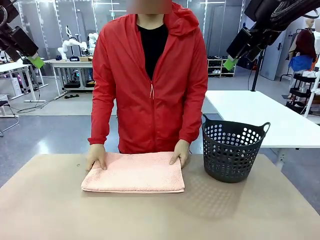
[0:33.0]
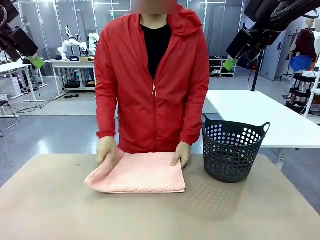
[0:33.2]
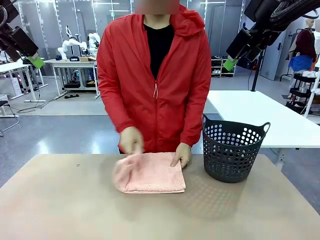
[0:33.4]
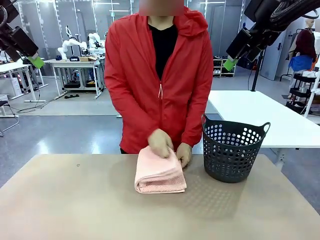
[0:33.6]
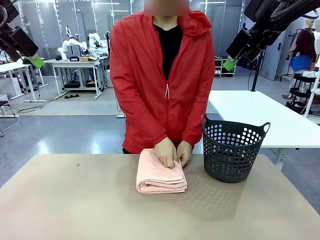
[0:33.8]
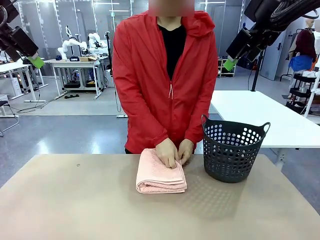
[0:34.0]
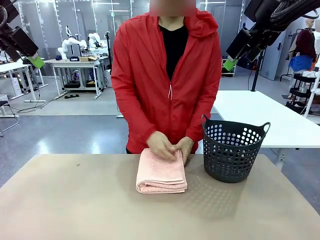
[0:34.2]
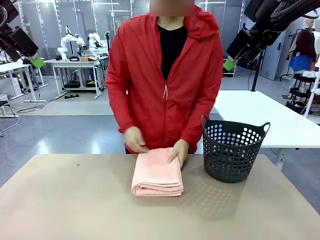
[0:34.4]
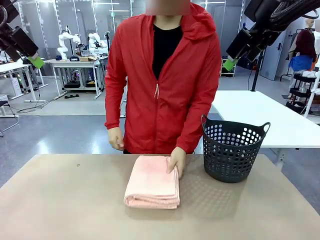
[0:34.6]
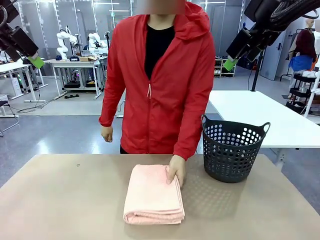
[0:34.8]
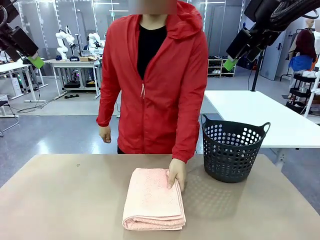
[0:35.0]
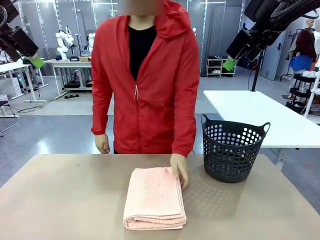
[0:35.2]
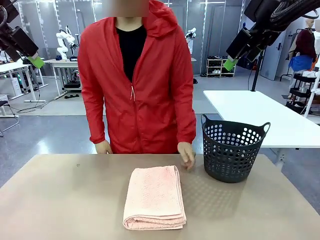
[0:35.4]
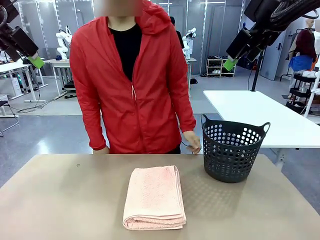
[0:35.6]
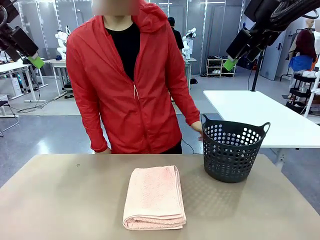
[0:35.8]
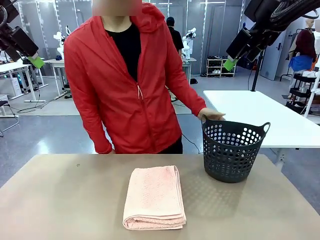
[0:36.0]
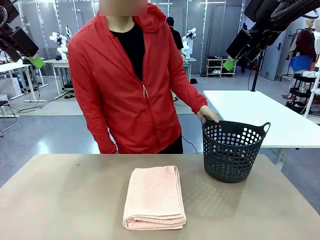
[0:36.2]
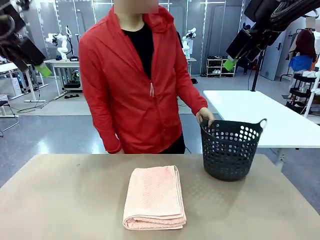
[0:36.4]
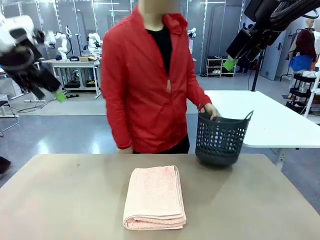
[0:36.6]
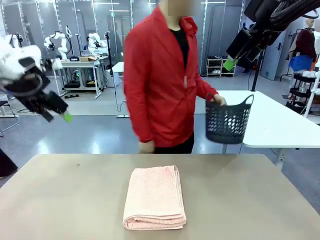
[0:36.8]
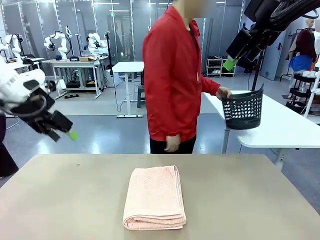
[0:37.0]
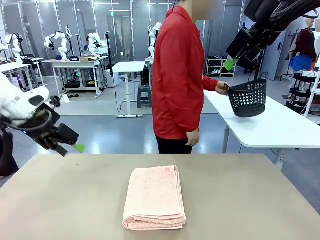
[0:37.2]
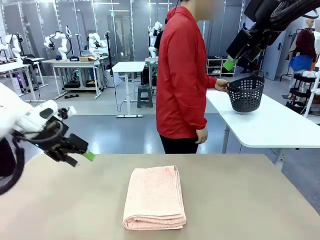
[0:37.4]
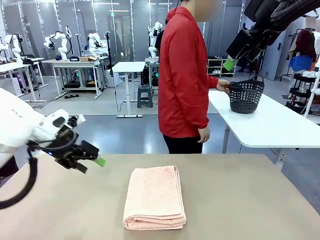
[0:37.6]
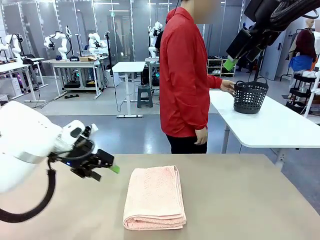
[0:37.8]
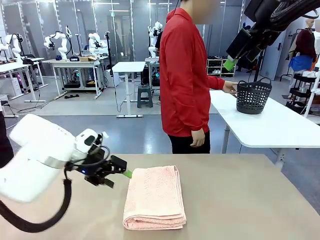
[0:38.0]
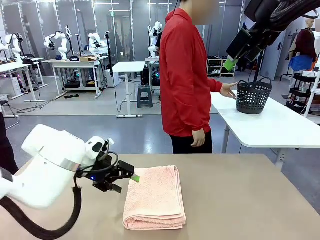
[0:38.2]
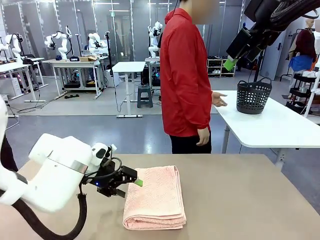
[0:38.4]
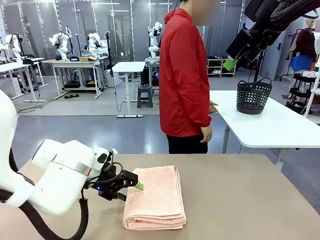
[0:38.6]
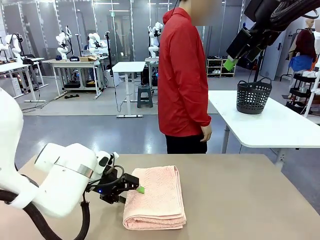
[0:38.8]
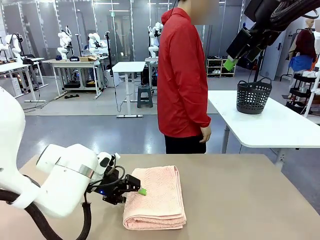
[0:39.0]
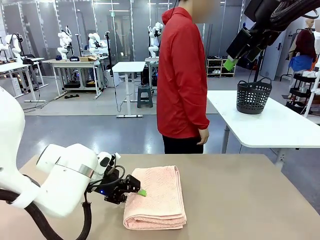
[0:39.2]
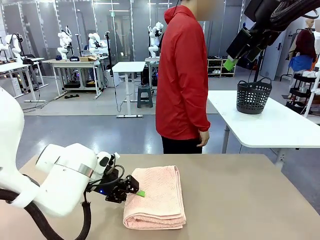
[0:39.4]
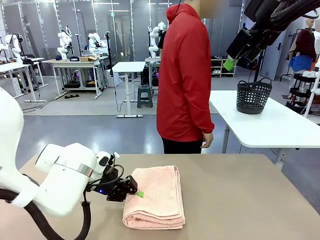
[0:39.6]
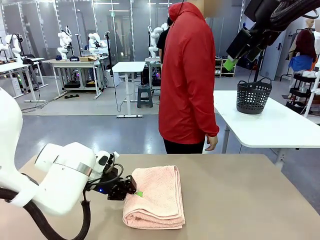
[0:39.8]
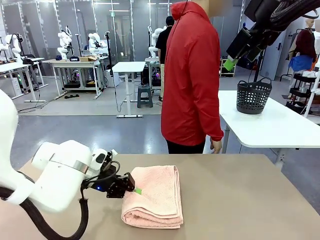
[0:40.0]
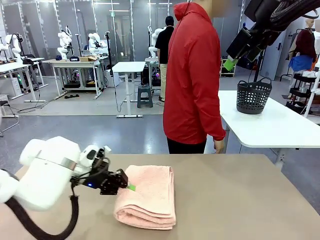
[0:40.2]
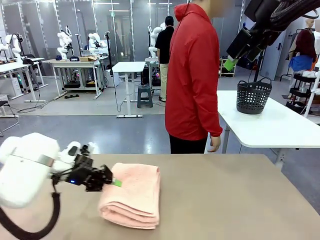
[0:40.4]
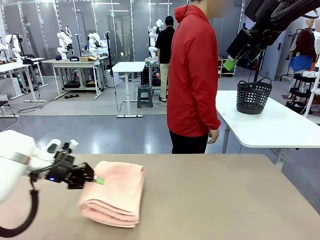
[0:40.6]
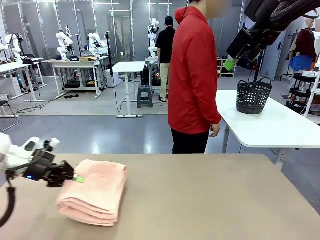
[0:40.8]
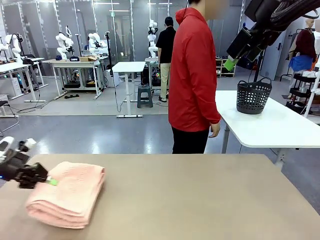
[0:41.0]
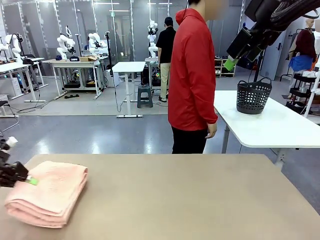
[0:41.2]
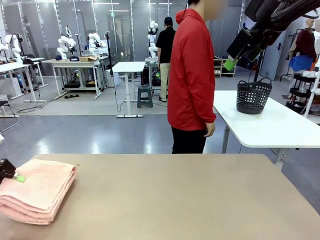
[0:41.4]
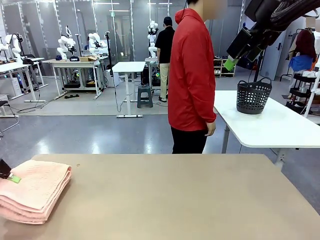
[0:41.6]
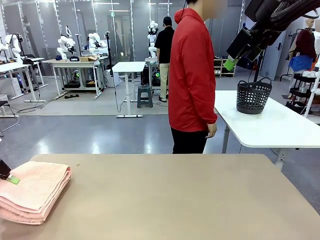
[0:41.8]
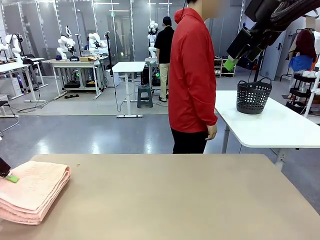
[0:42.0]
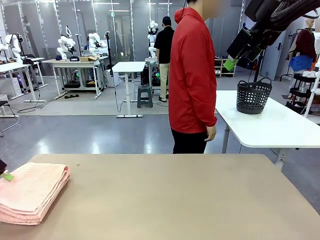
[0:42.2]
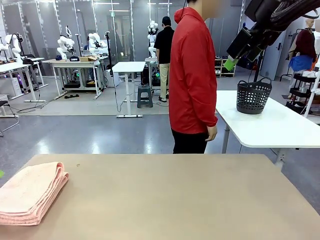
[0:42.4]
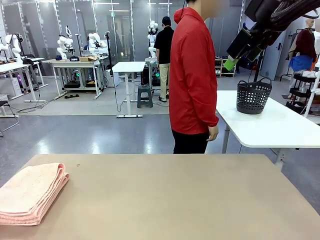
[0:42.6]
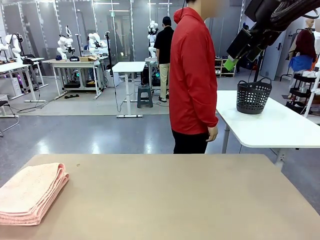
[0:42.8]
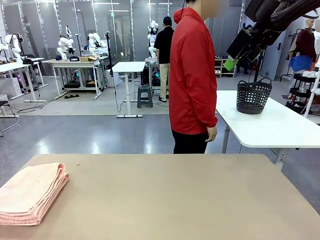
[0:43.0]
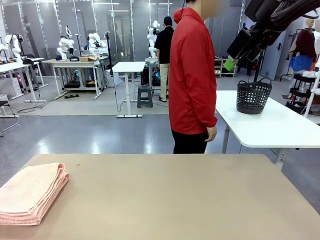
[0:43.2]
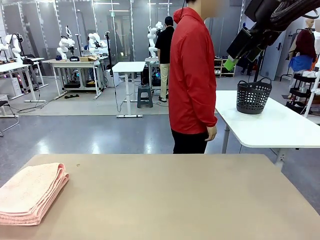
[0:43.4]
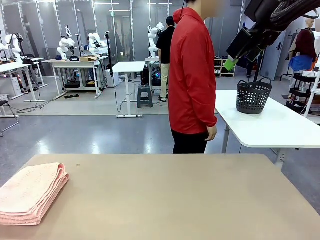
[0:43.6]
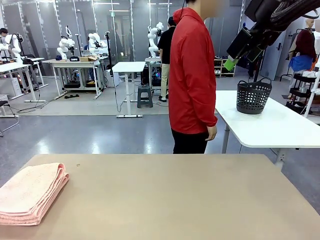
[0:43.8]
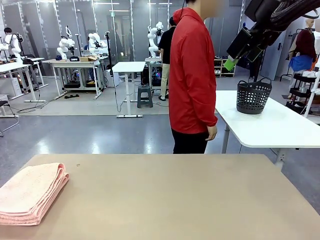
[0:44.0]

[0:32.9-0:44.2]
Task: Fold the towel.
Robot: Pick up the 100 cm Hotel Towel and place it on the left side of the table.
Person: Pick up the laundry basket and place it at the center of the human table.

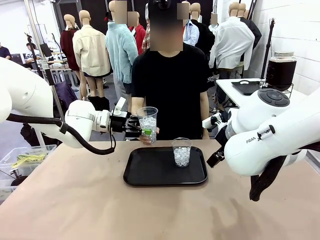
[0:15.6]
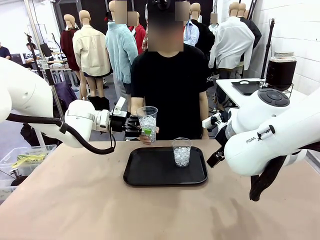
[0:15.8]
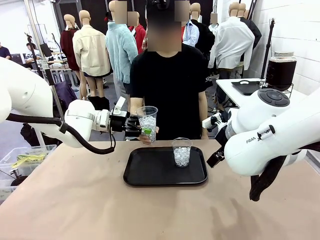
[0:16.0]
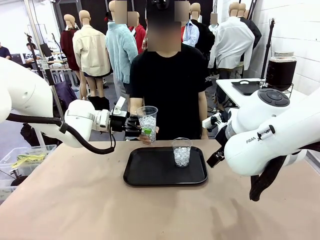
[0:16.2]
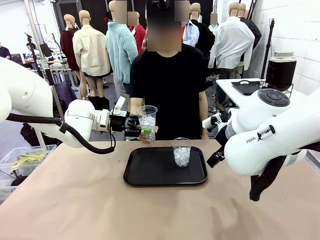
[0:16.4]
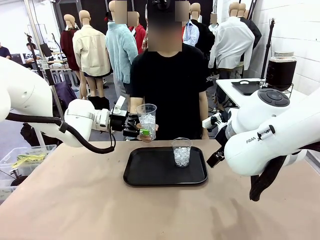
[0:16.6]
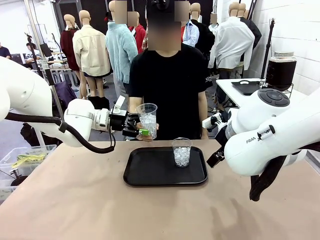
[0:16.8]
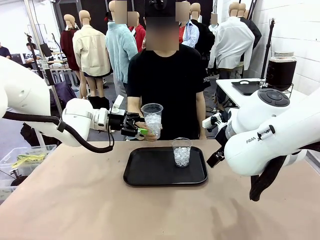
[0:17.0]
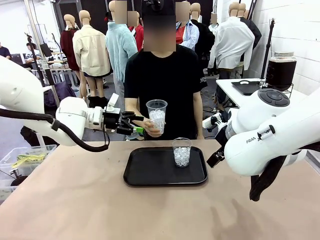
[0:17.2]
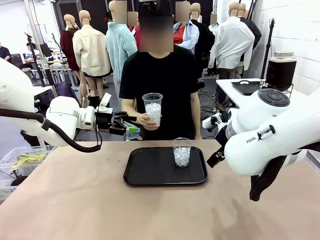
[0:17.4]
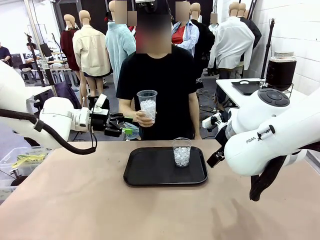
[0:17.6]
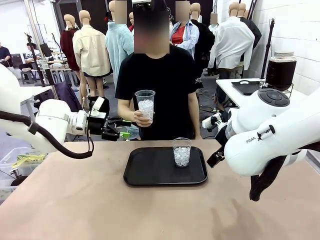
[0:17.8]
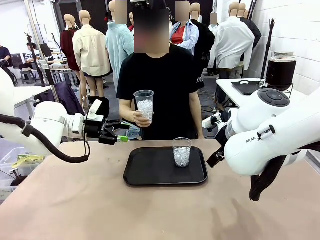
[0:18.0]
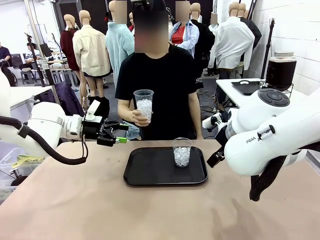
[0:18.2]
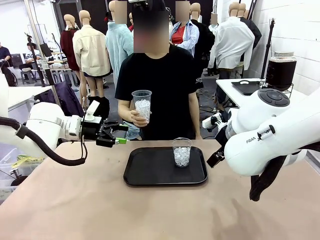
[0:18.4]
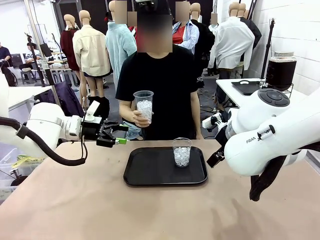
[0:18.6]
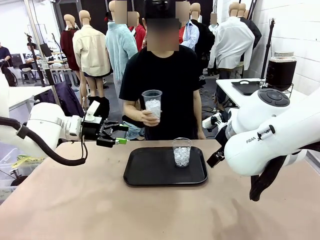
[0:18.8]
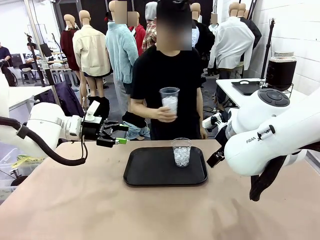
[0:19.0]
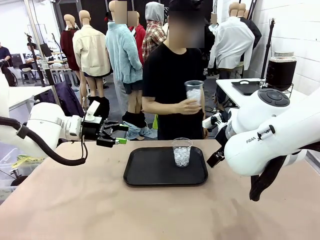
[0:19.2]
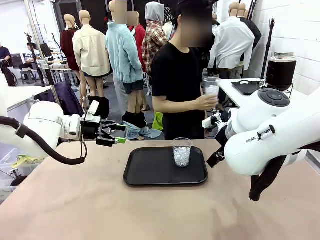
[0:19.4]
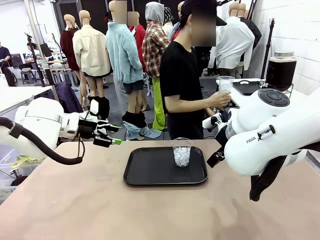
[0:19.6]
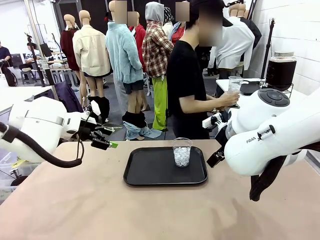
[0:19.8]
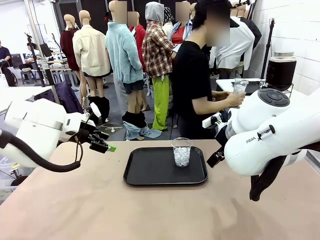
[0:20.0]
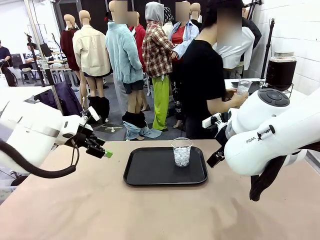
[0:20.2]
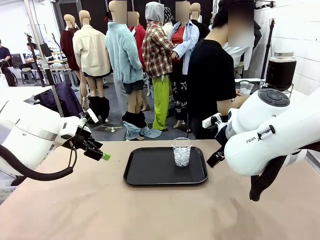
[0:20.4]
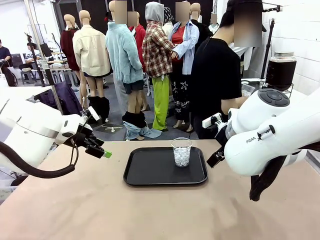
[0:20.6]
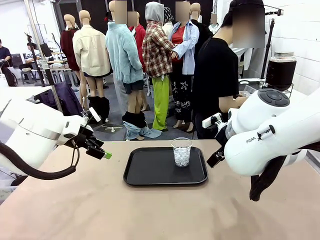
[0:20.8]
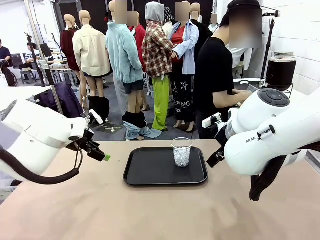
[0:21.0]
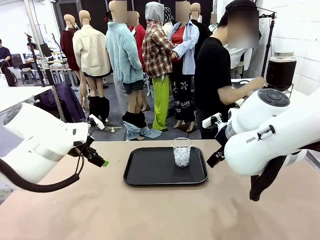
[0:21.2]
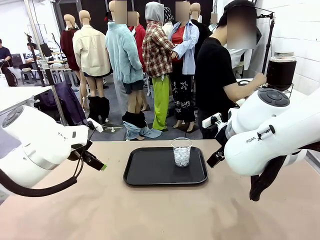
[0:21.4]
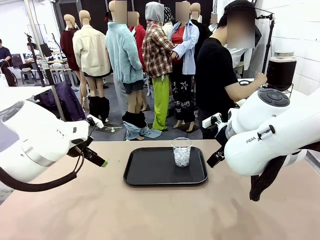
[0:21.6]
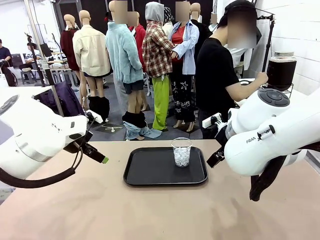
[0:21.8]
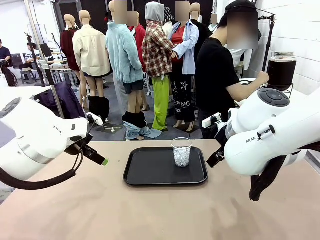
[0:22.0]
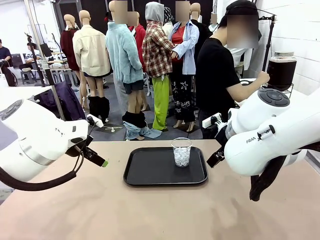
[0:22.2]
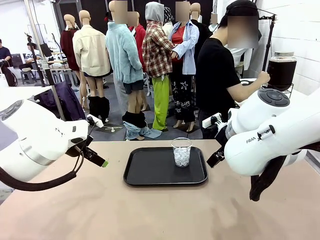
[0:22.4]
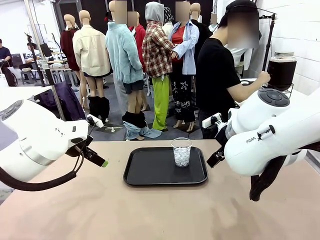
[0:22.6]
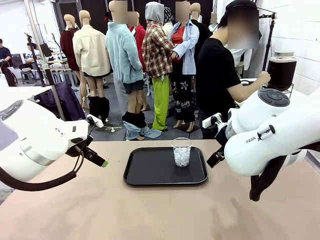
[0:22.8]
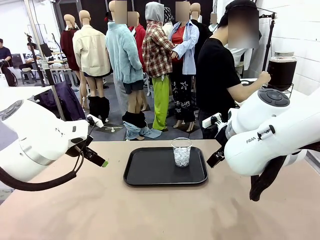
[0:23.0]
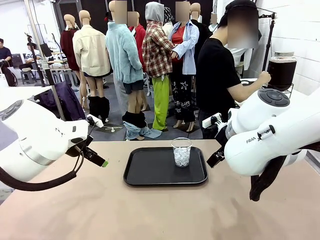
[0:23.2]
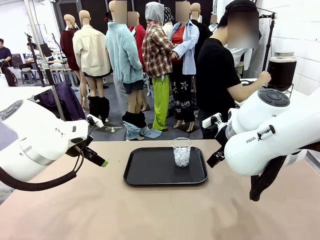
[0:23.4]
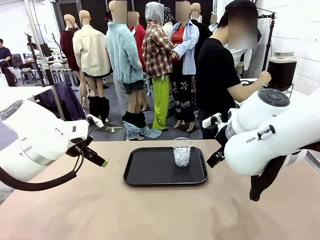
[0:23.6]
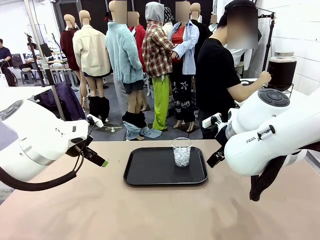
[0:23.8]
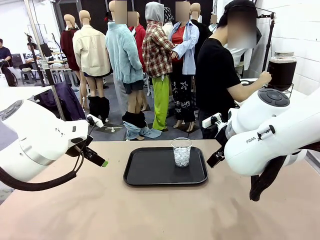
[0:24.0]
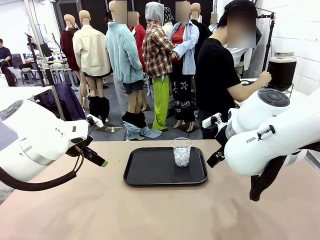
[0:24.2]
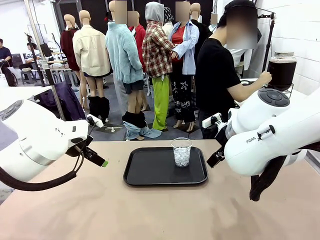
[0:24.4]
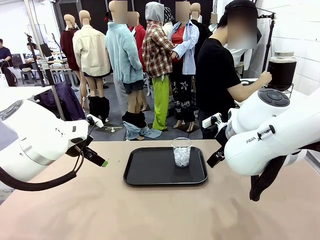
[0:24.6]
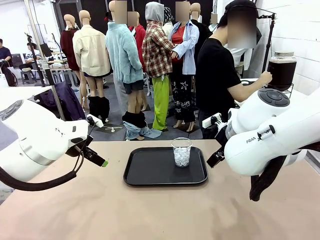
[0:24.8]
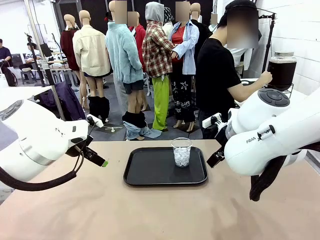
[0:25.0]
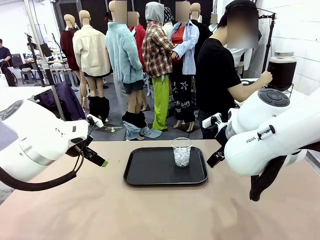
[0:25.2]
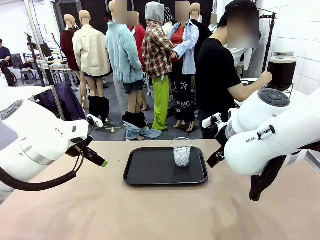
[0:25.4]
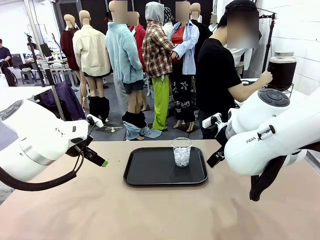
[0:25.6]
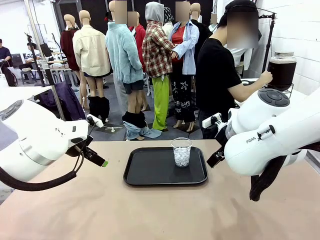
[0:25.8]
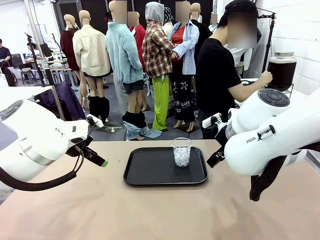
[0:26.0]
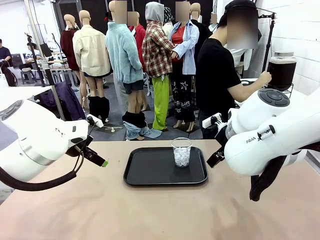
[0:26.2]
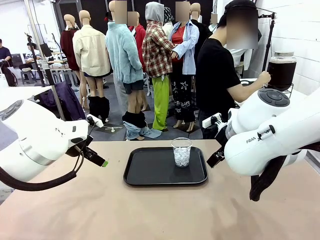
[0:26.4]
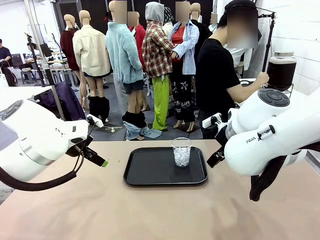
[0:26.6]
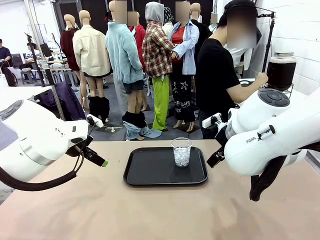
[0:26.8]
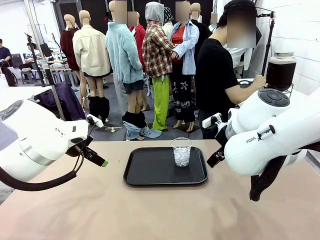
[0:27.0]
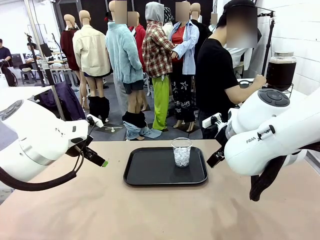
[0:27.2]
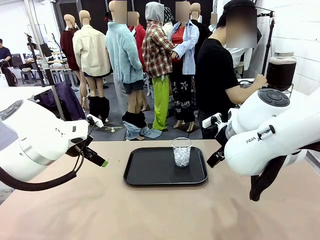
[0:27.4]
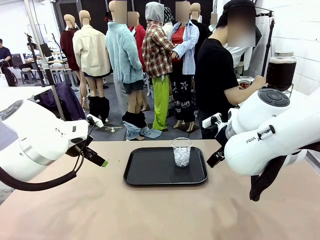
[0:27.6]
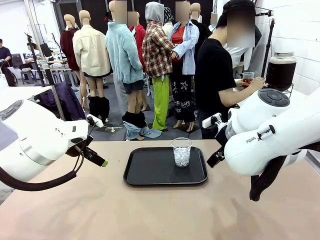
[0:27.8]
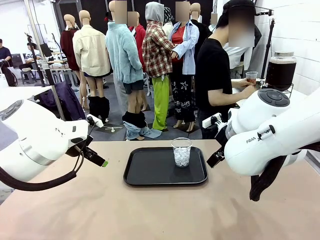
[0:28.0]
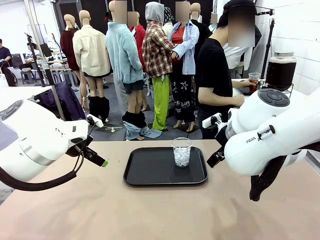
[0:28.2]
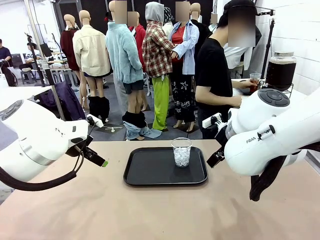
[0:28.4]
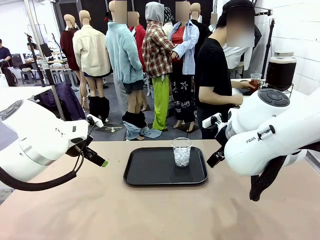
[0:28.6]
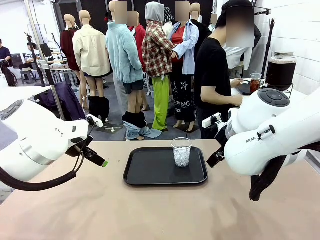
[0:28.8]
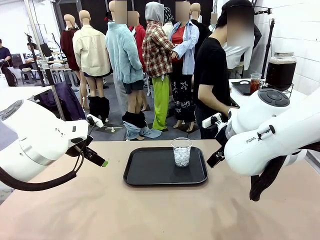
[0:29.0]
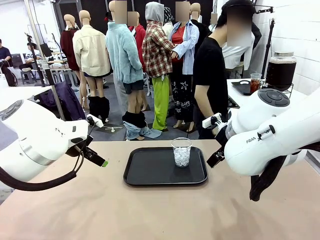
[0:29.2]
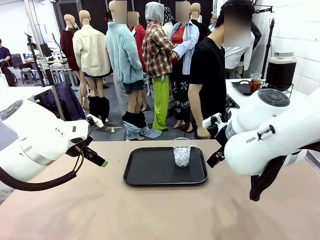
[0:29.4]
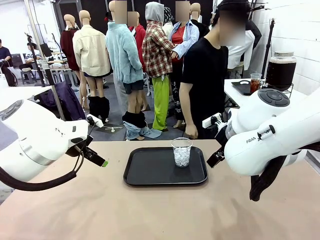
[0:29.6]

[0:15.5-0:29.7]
Task: Pour the drink into the iced cup.
Robot: Pick up the iced cup indicated by the human and present it to them.
Person: Move the picked-up cup under the dispenser faucet, pour the drink, and place it on the tray on the human table.
